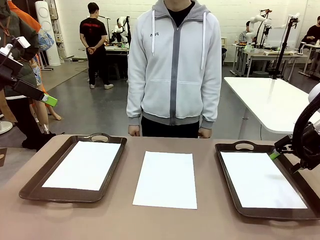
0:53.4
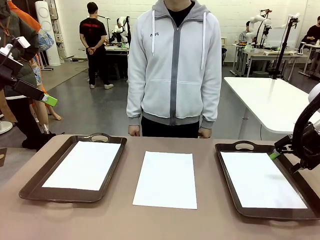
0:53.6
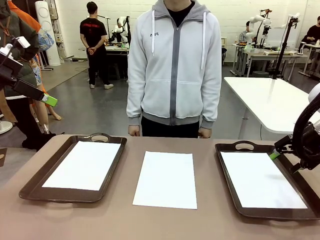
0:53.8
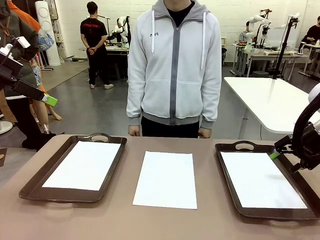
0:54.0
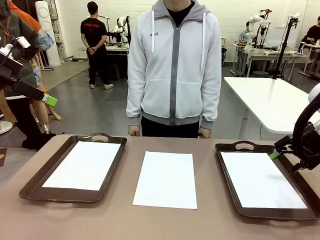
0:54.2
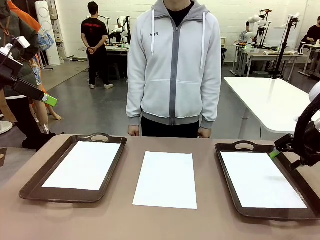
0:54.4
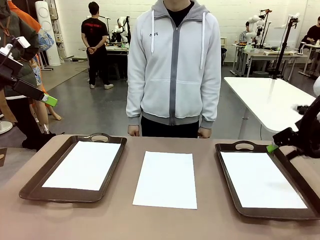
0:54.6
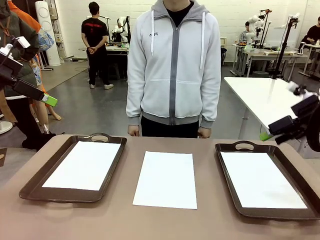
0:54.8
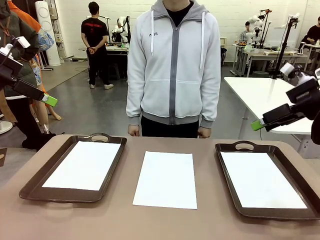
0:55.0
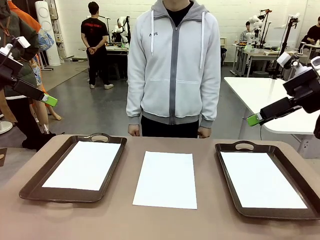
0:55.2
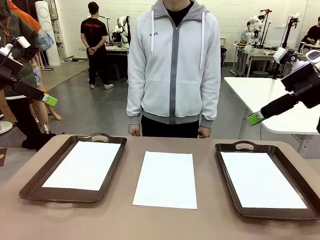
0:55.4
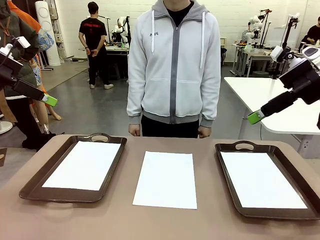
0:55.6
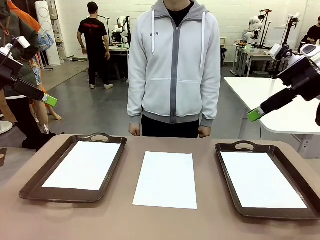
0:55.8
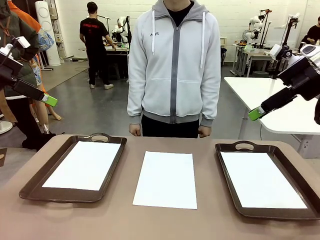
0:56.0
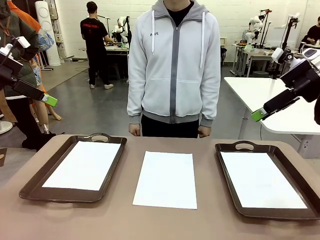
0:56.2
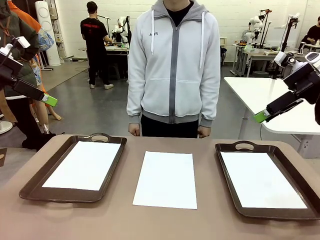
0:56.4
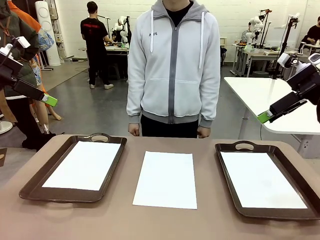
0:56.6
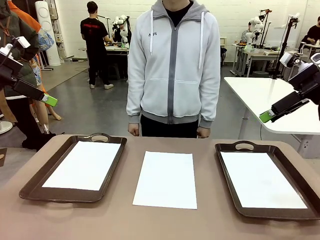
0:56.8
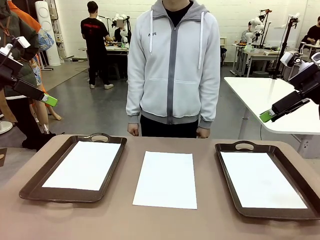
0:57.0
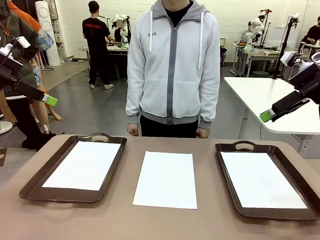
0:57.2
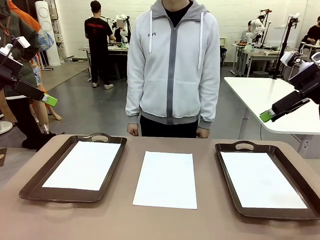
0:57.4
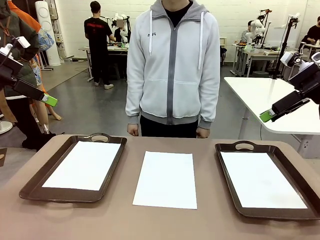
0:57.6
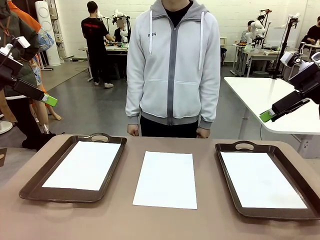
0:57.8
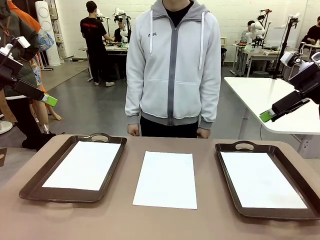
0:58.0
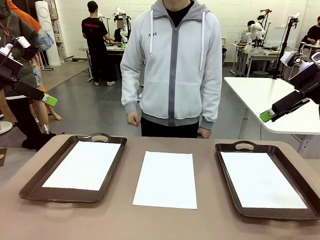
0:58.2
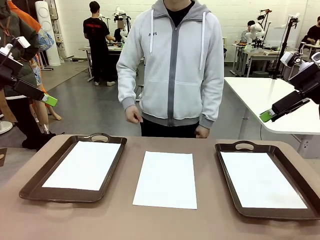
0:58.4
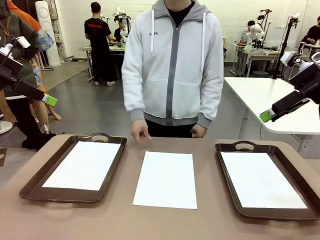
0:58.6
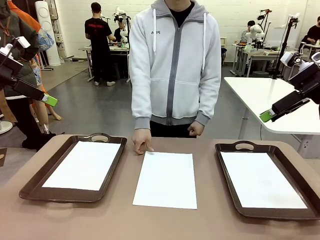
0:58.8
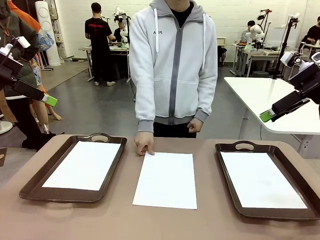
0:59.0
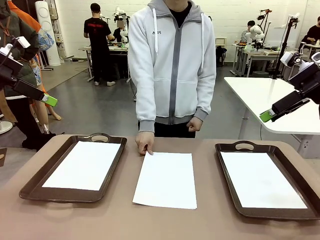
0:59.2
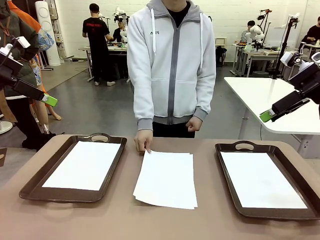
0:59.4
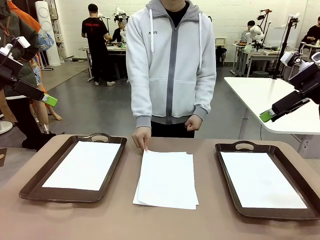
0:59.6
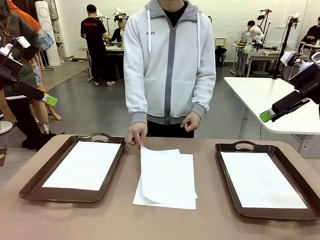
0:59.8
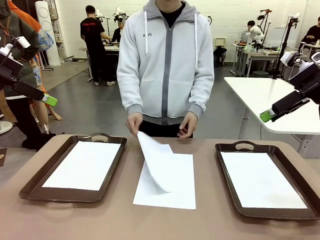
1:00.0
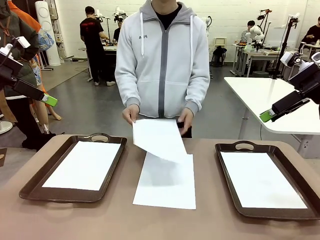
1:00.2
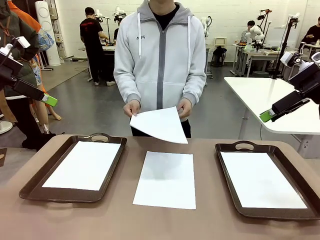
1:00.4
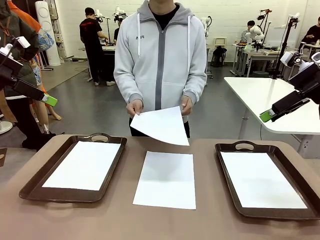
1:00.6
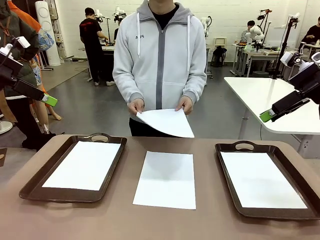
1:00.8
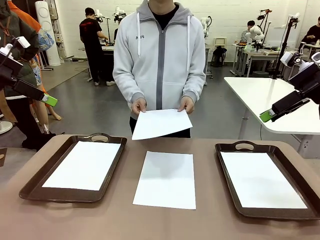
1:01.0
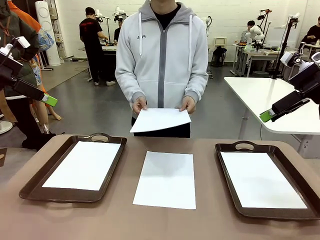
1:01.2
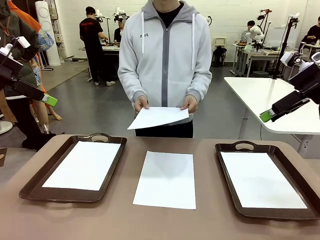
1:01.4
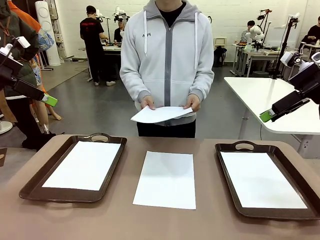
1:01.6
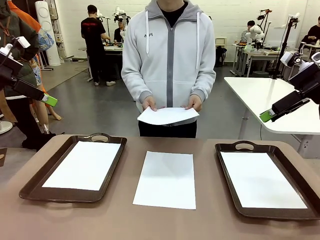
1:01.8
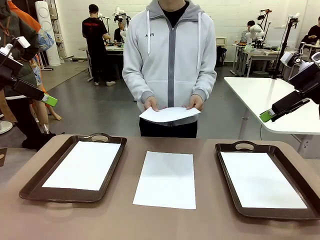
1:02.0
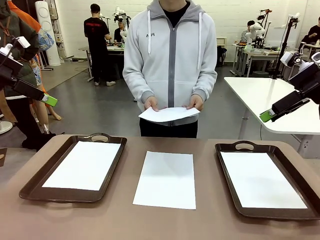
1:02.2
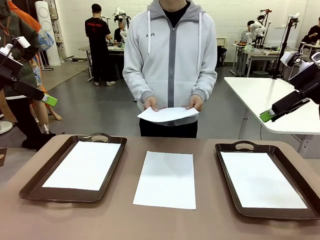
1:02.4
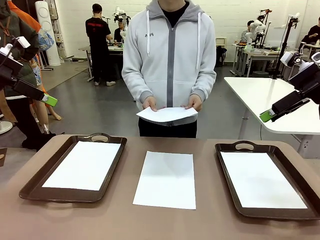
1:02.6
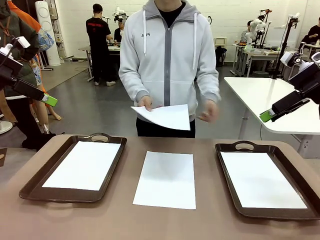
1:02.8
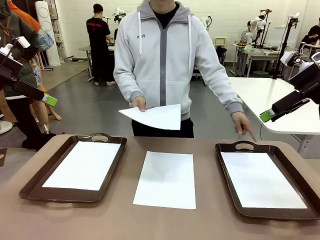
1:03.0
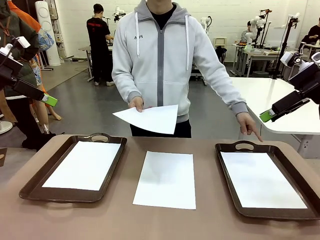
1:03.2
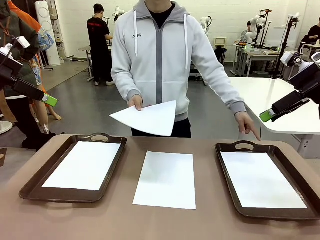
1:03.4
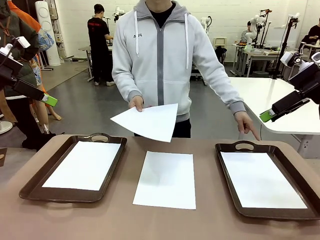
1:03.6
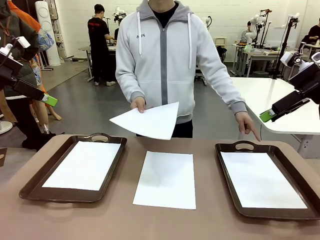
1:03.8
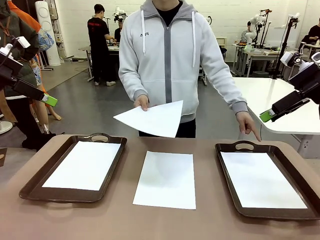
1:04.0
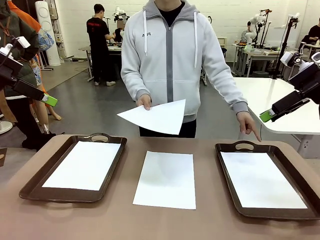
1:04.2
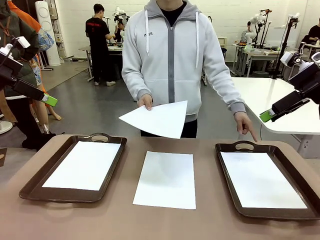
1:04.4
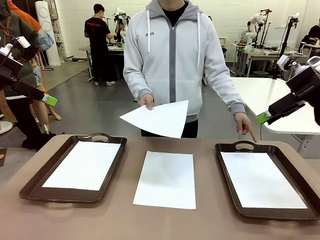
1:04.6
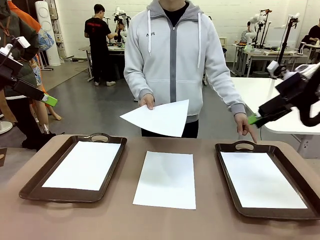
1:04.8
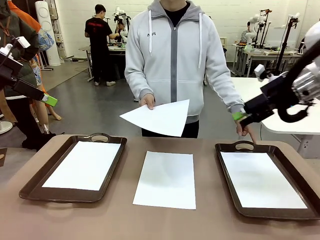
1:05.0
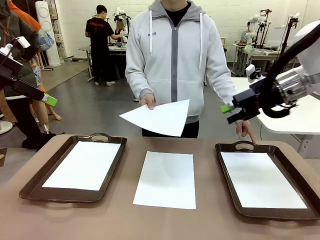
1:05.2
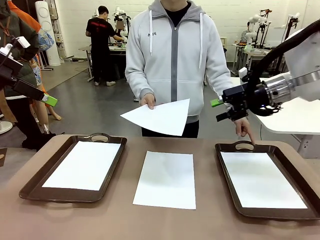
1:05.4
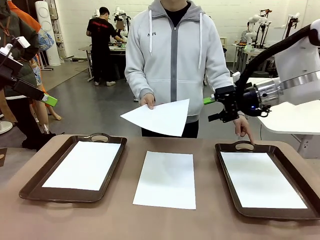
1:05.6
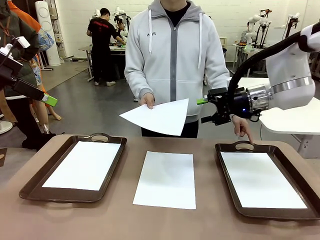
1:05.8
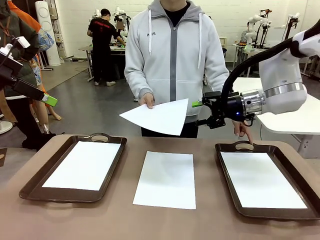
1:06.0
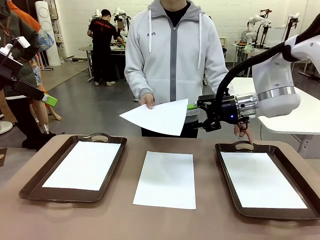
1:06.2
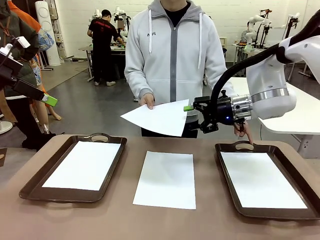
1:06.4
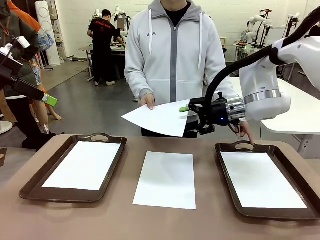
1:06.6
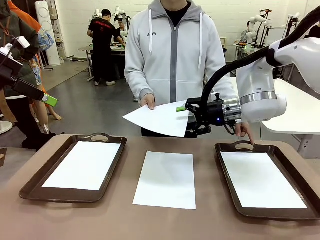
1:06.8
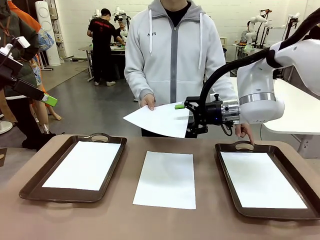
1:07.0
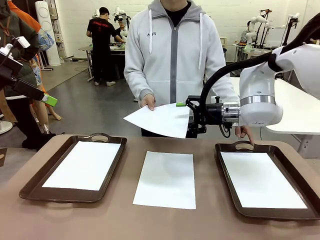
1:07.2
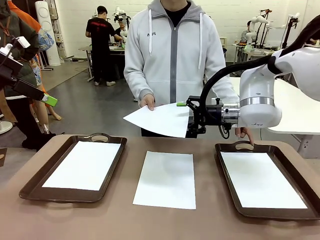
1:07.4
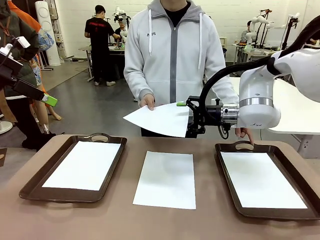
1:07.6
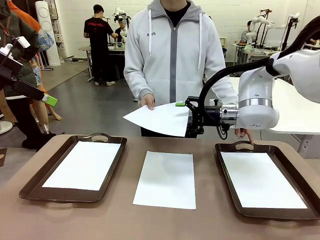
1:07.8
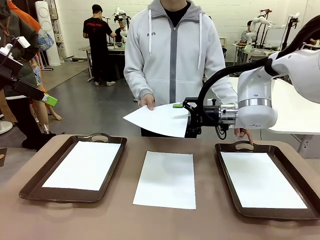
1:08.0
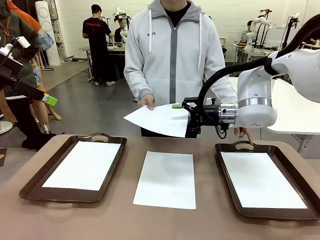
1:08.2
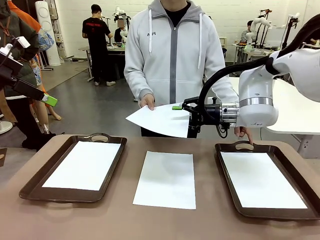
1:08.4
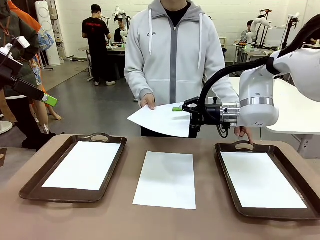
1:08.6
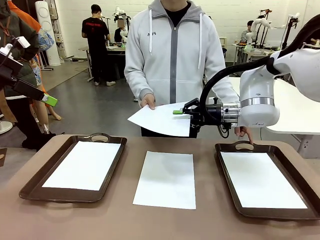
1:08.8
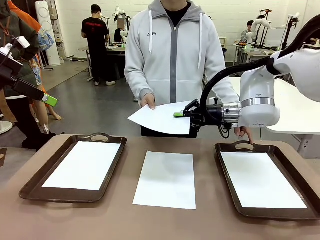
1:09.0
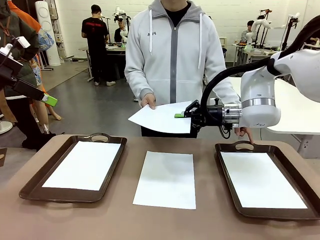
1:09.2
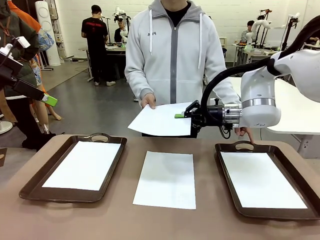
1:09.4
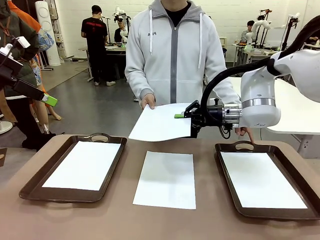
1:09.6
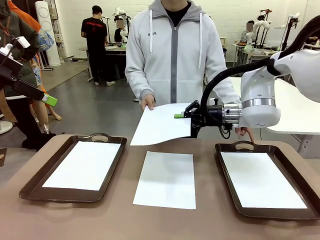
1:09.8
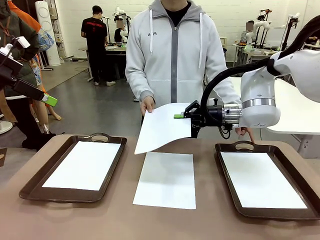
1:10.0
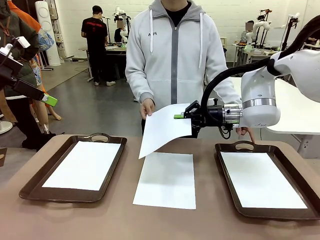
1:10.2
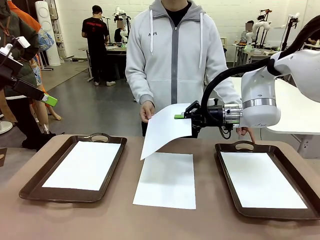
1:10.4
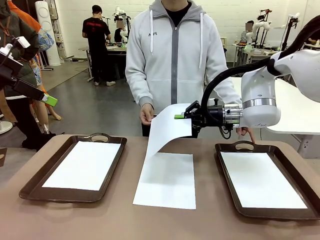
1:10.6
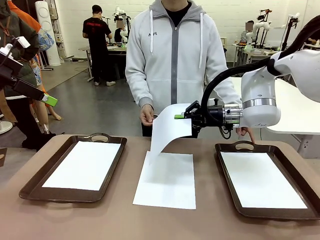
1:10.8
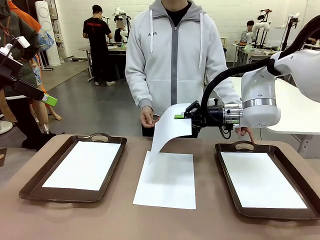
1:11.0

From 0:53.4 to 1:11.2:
Task: Sort the A4 documents.
Robot: Receive the A4 Paper.
Person: Point the randomly selected tray with the other hand.

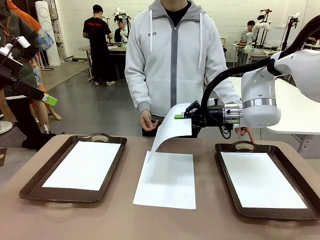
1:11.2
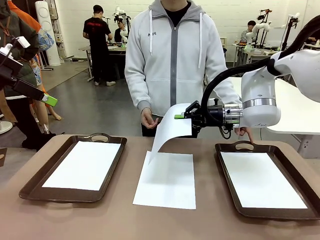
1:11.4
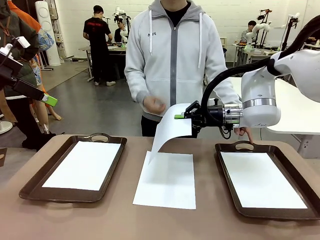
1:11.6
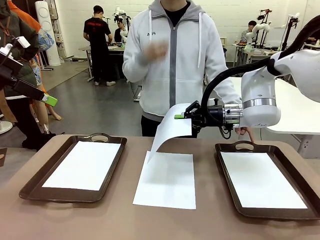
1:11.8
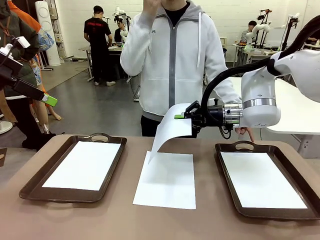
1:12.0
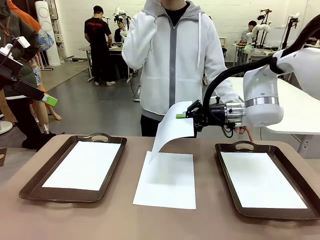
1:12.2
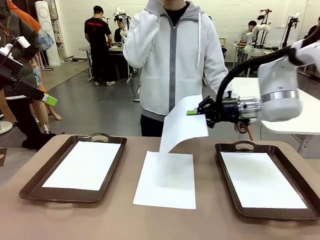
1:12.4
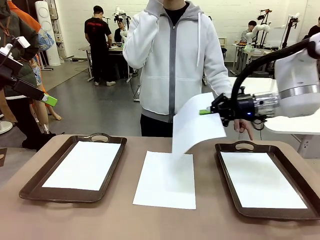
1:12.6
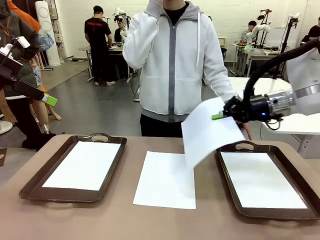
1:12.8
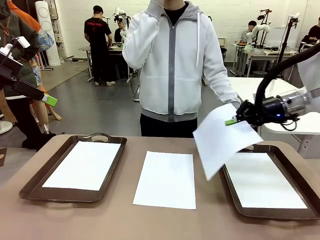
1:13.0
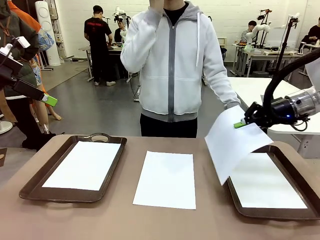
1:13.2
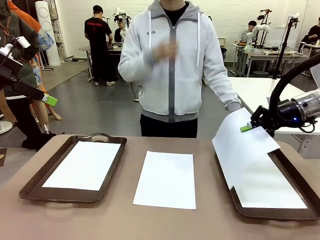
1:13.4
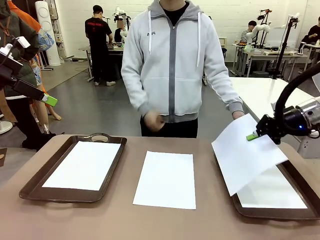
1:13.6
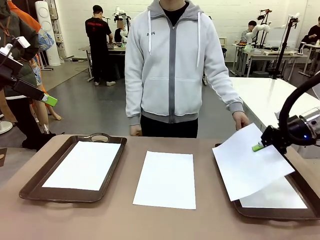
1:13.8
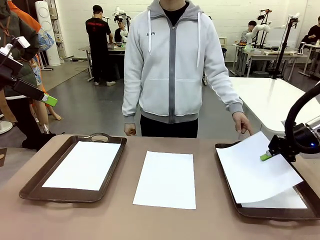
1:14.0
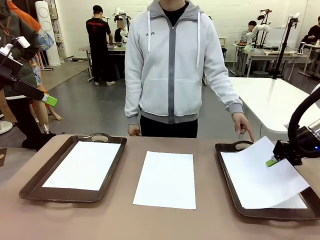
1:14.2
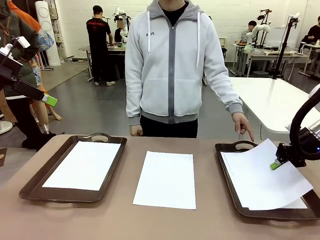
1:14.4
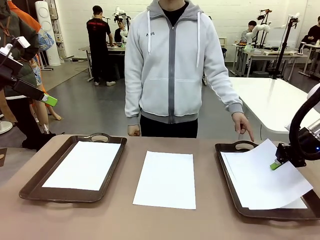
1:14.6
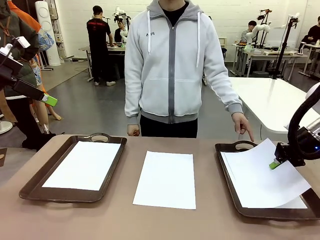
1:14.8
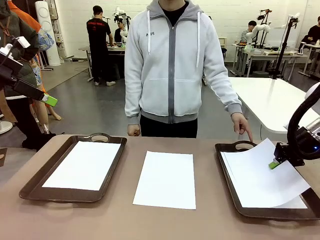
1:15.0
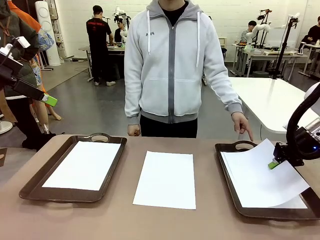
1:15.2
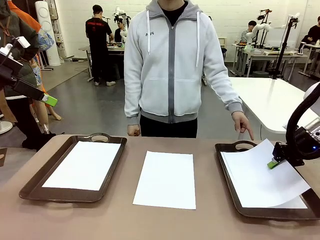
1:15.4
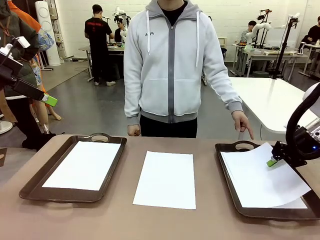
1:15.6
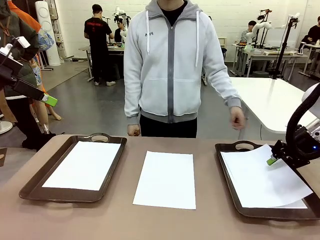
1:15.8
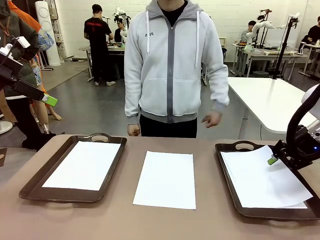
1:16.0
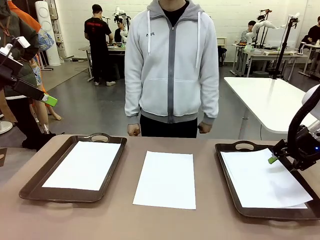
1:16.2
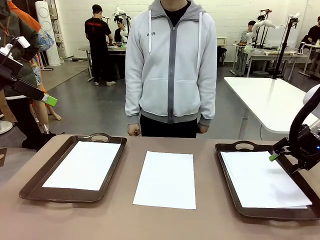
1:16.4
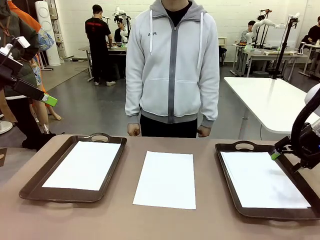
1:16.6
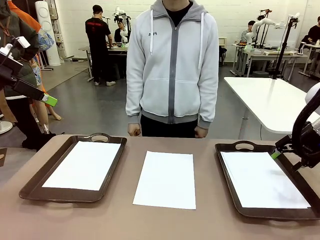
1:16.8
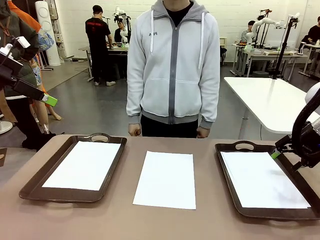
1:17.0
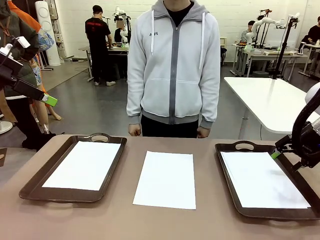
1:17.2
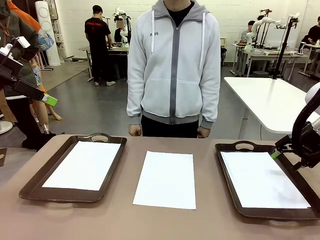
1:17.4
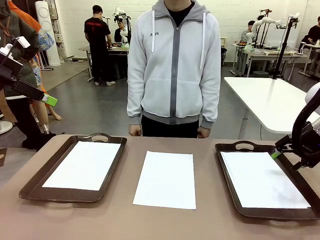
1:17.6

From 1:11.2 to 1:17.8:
Robot: Place the A4 Paper in the designated Handle tray.
